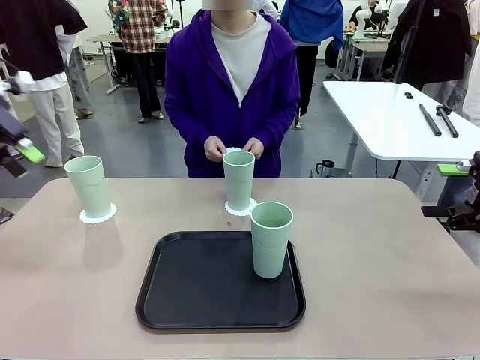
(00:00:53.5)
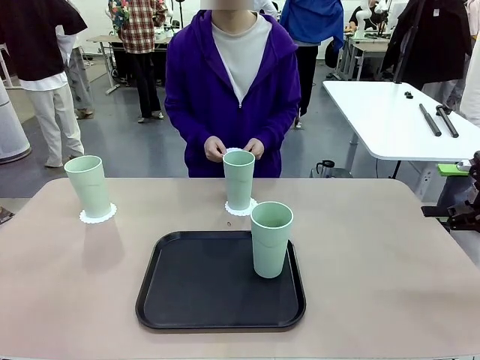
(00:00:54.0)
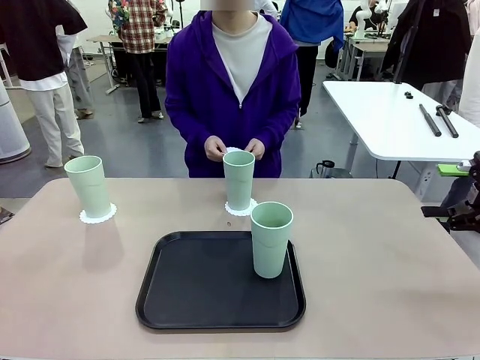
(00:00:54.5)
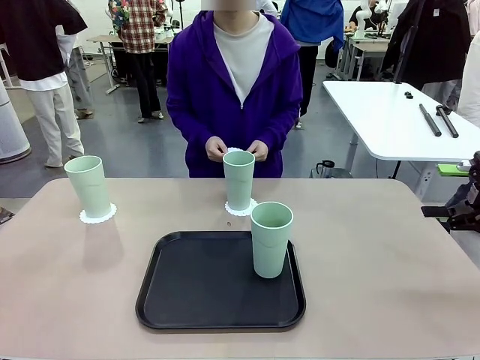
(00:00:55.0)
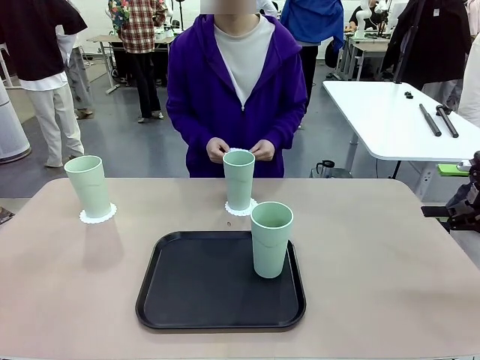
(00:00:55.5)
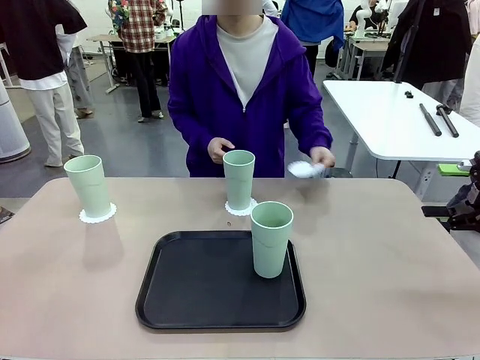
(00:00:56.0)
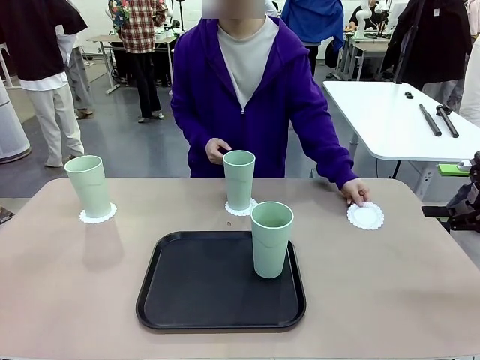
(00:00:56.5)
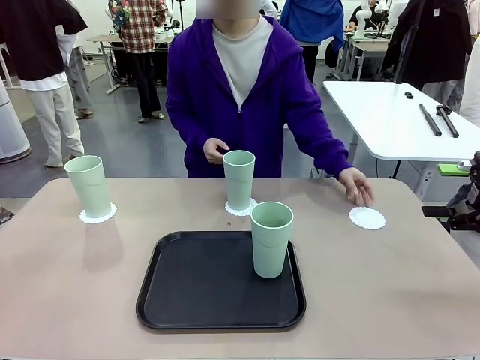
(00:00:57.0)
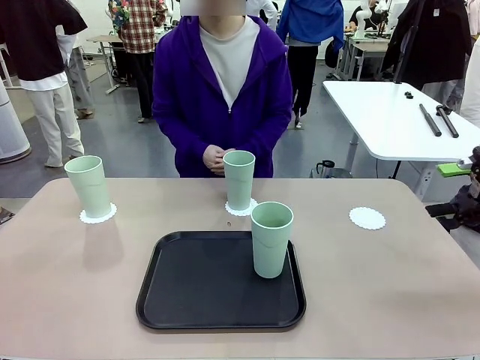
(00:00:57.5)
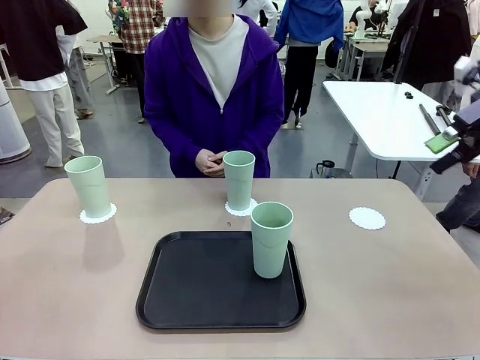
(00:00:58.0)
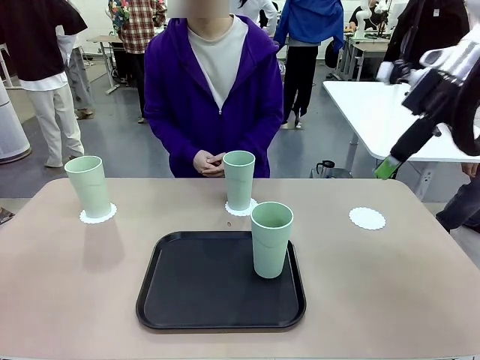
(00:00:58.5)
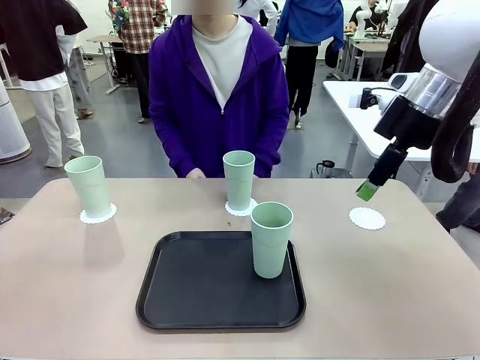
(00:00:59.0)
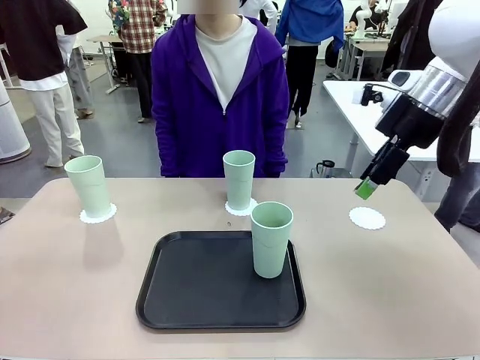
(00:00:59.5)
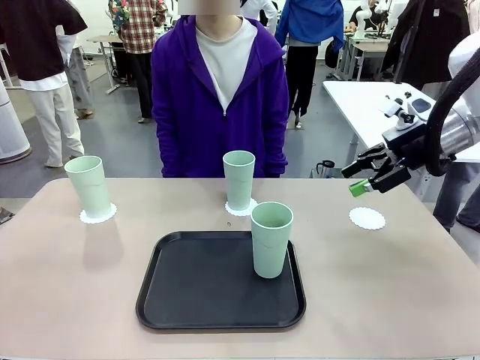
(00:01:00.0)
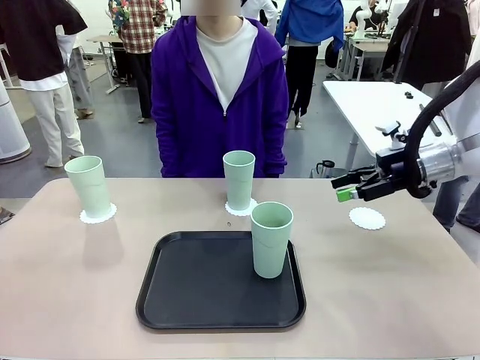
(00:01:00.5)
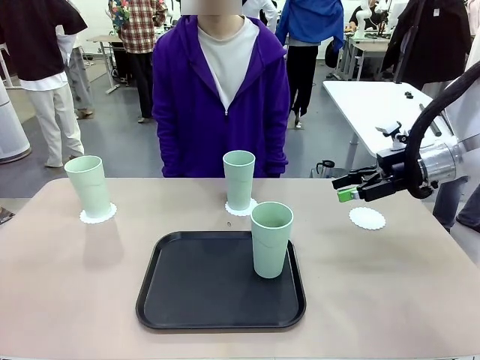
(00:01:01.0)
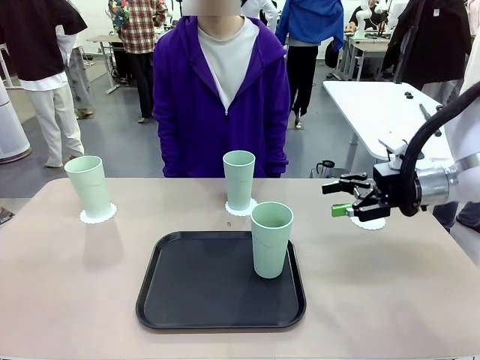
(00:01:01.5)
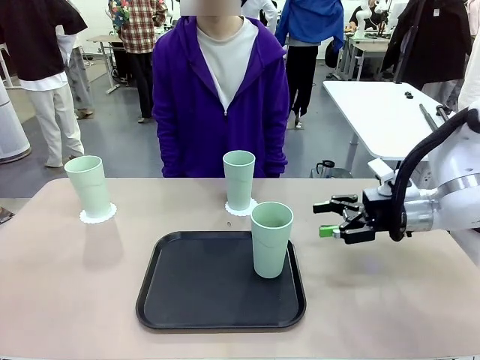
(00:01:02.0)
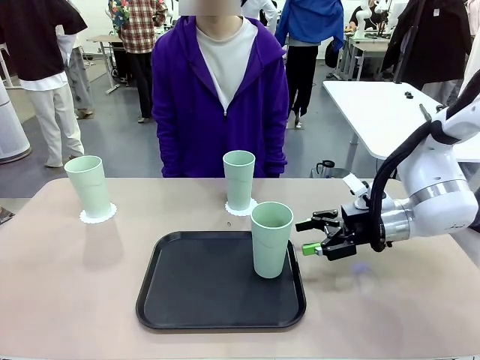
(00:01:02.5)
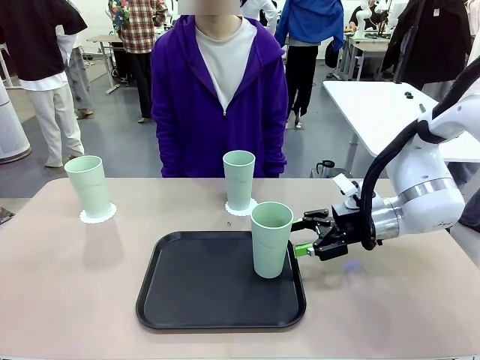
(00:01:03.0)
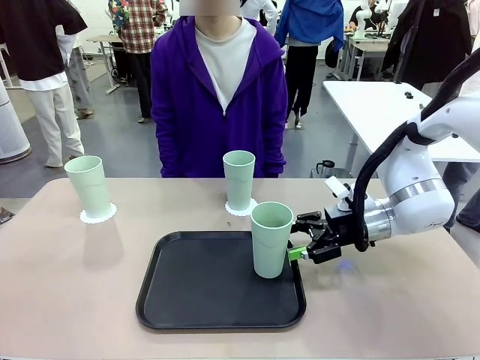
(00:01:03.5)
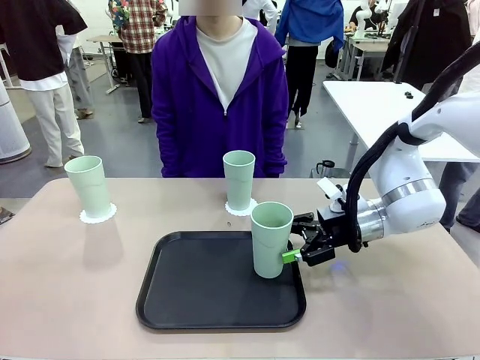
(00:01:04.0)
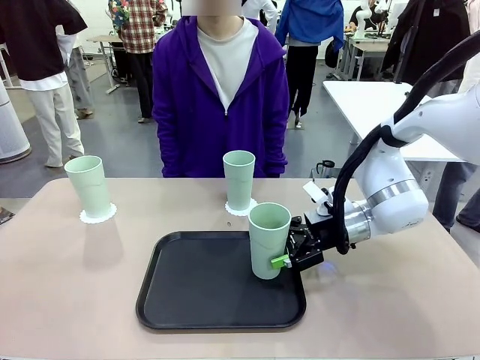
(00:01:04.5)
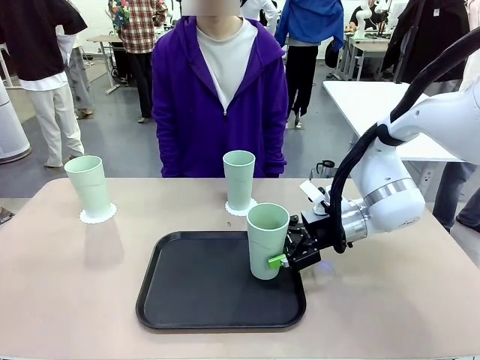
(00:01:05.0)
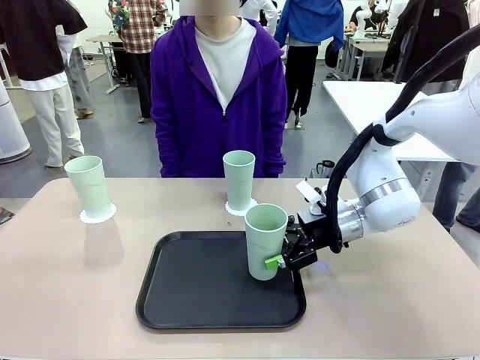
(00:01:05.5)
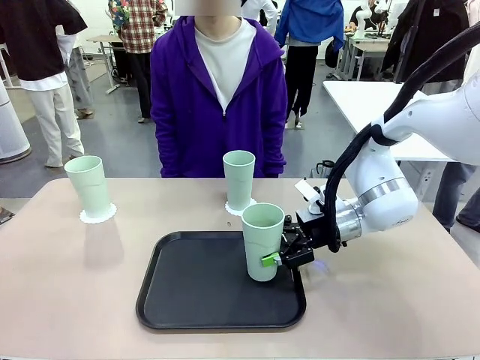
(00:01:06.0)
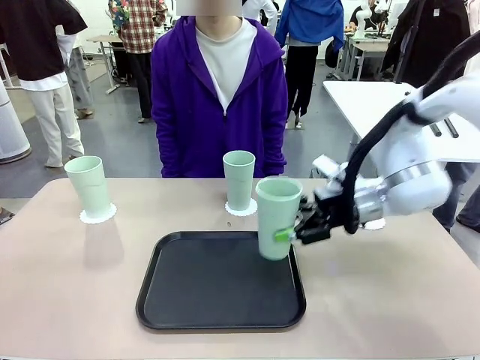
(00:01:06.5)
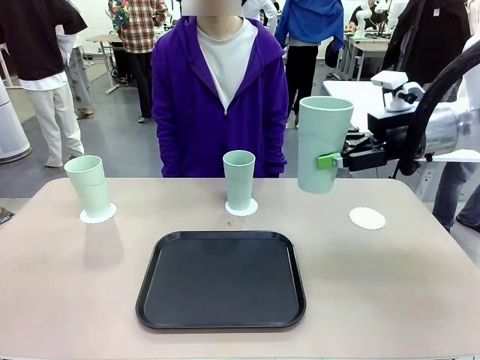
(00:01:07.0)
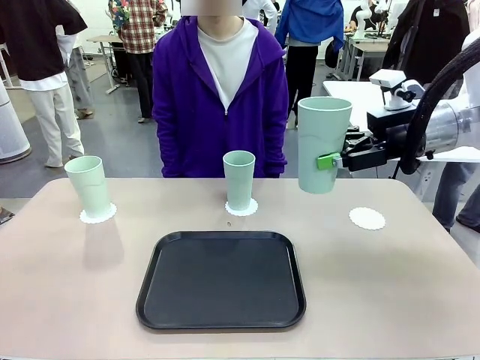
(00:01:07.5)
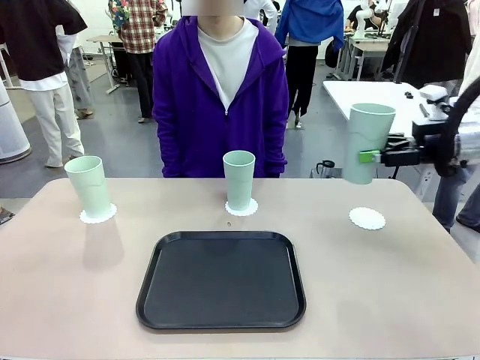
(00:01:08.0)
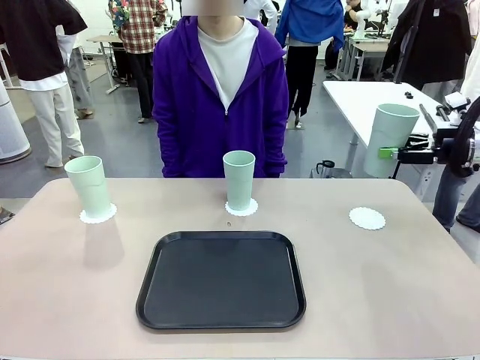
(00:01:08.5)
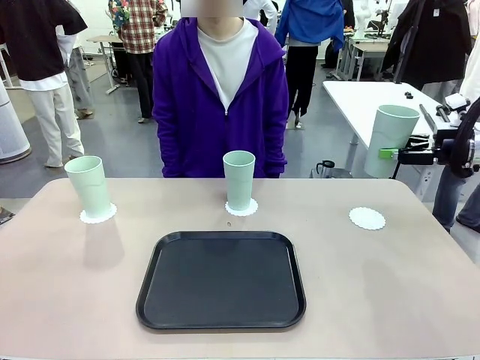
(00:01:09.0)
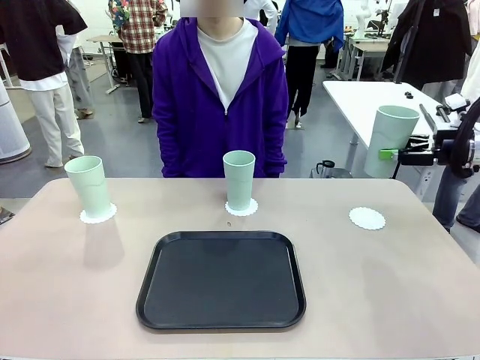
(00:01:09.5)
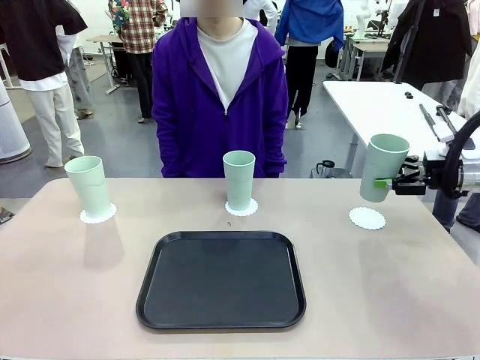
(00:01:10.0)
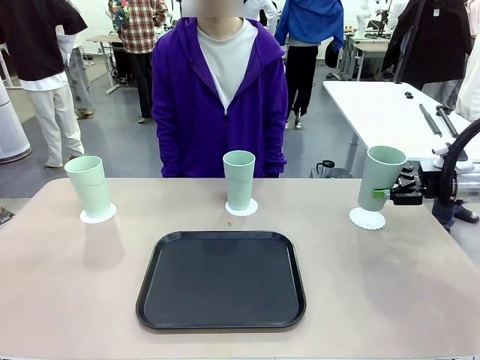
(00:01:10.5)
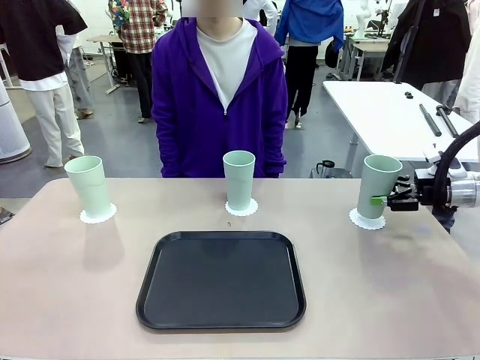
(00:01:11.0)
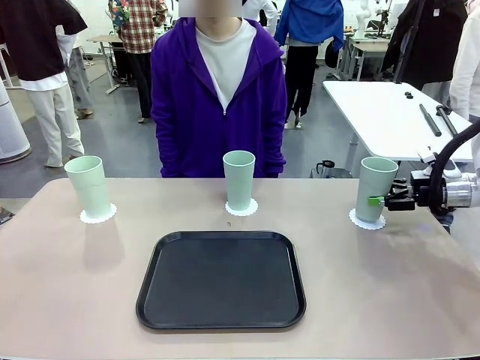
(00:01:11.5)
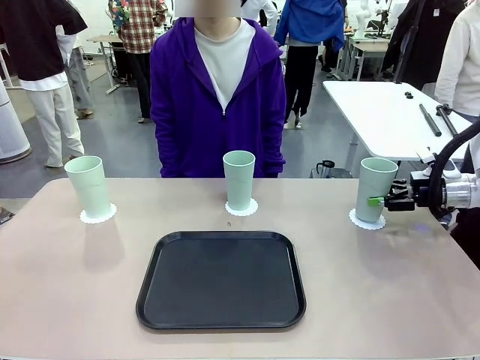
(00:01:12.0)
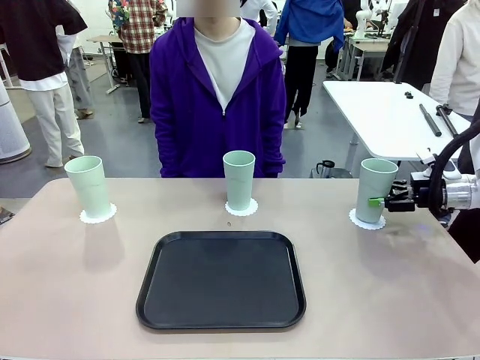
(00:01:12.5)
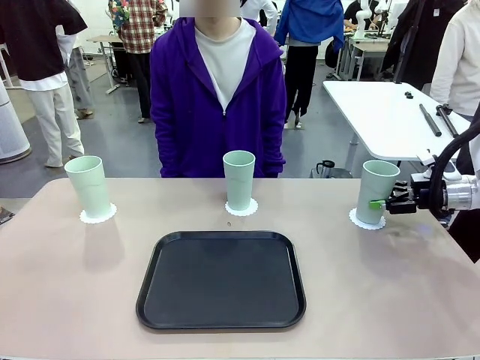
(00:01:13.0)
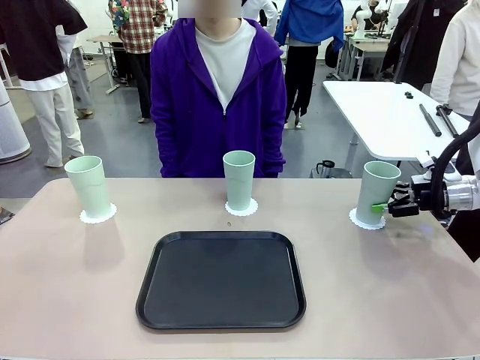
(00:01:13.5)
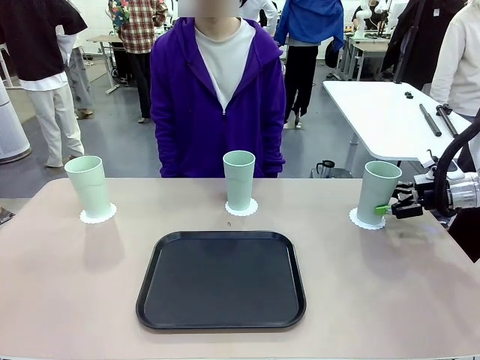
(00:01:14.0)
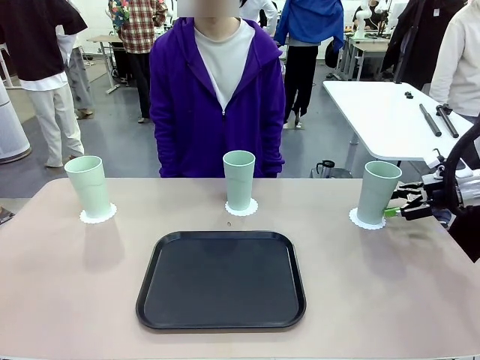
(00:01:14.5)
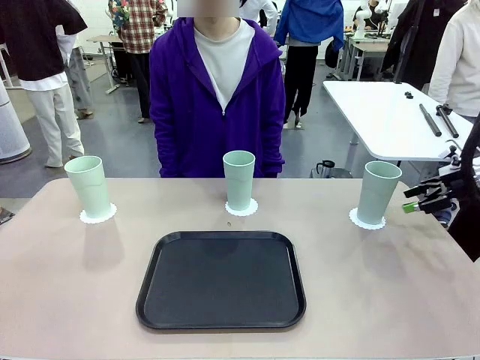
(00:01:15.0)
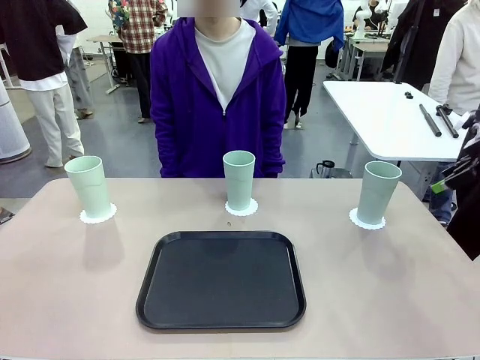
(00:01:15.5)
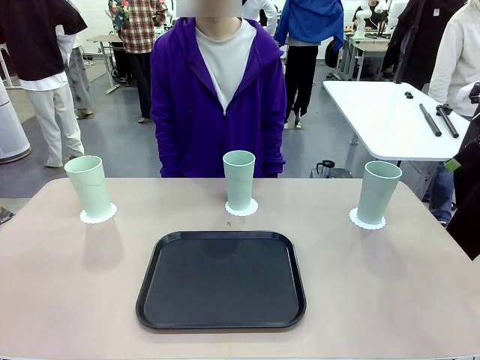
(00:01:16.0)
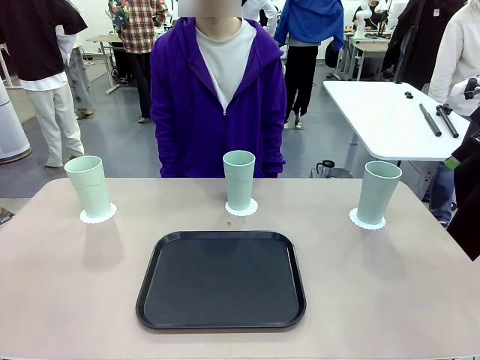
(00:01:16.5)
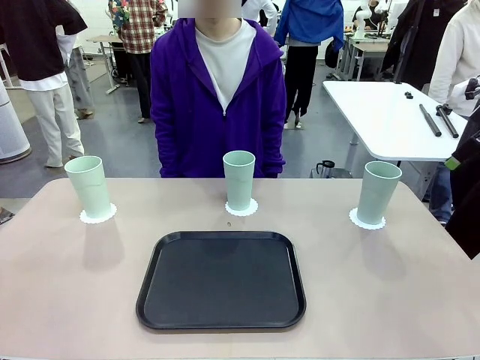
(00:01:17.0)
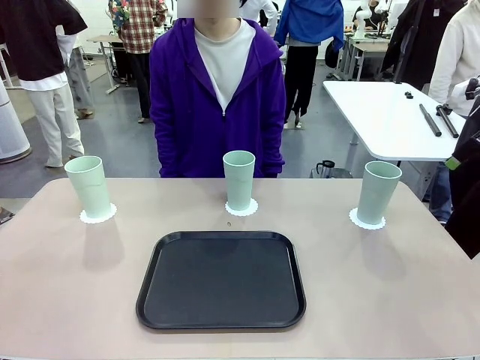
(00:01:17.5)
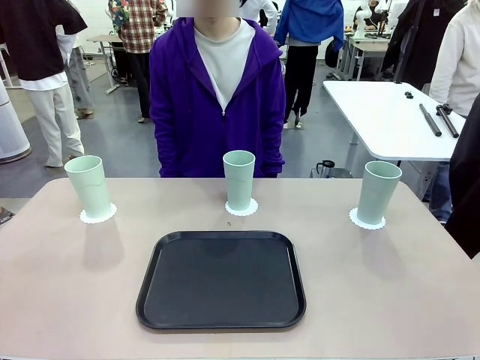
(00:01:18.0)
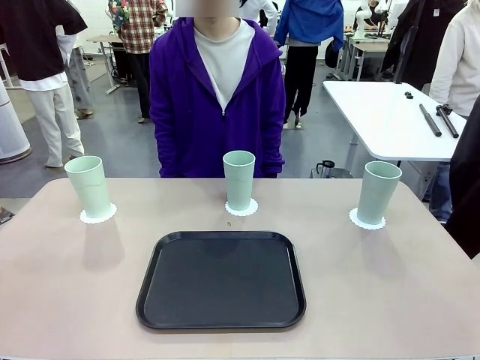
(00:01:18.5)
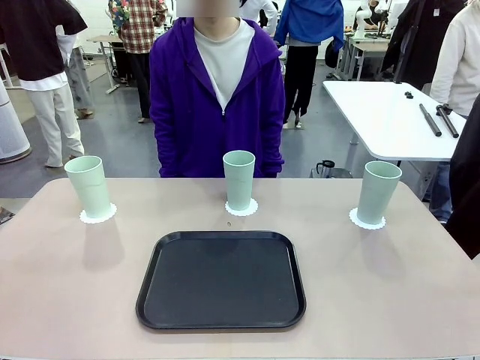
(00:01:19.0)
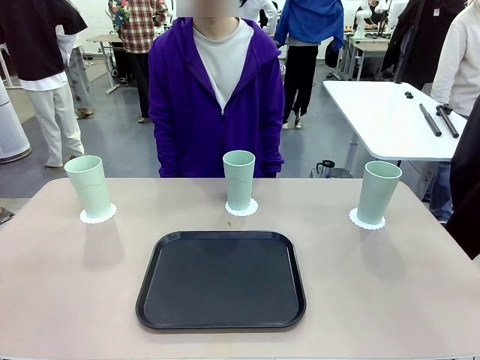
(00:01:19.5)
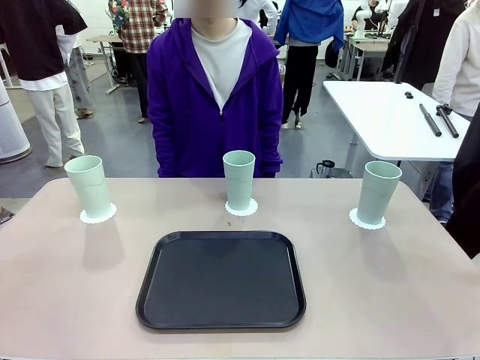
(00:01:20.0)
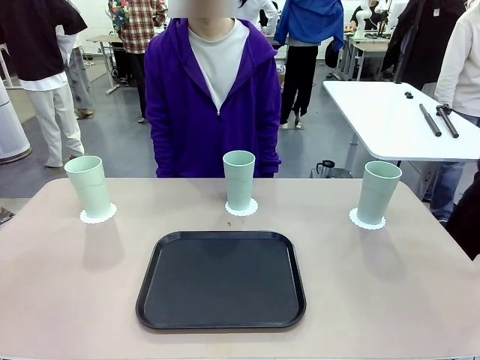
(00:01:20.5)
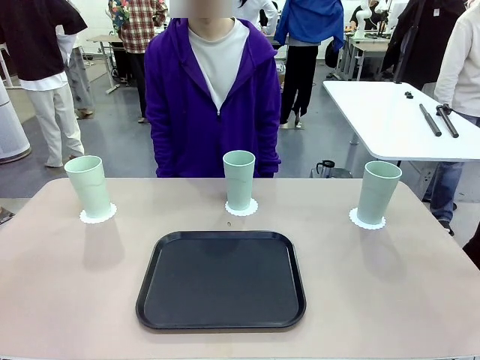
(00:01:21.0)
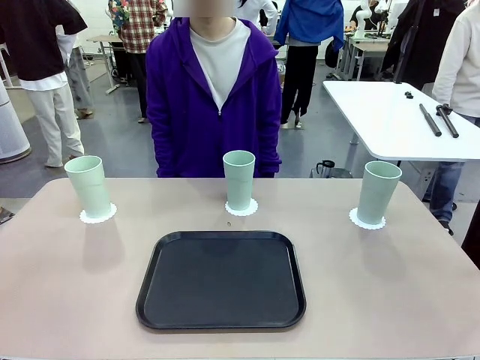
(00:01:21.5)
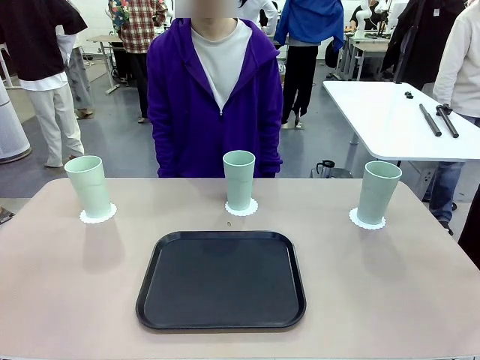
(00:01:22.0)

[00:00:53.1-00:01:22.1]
Task: Place coasters on the table and set cups on them.
Robot: Take one Reusable plastic cup from the Flat Tray and place it on a coaster set by the human.
Person: Place one coaster in the only remaining area.
